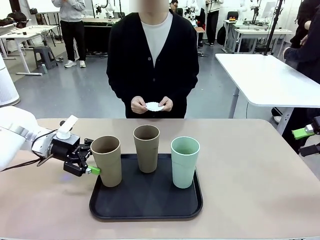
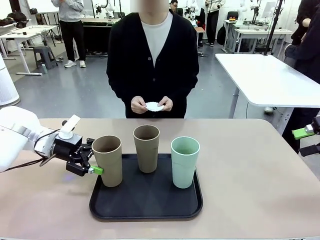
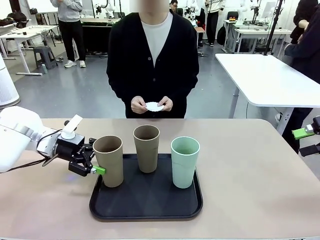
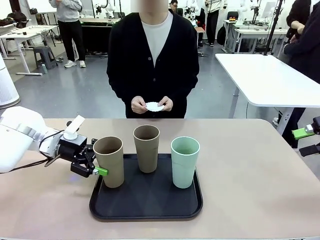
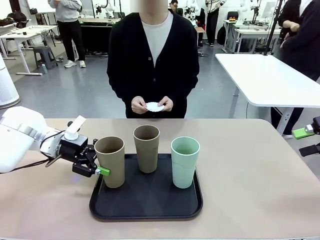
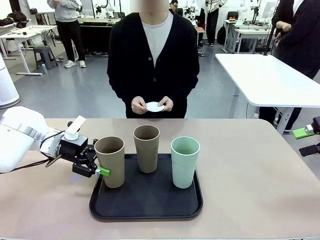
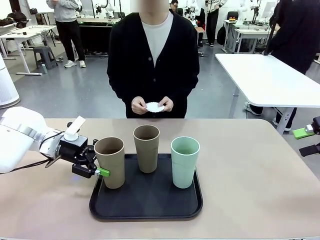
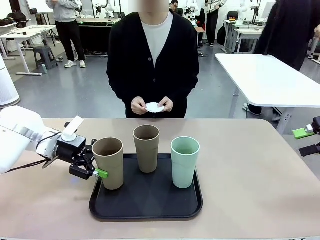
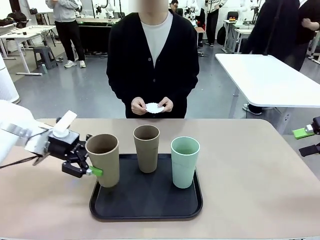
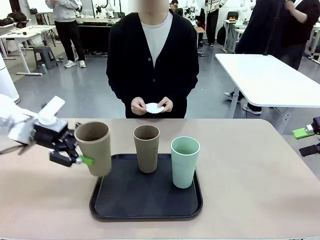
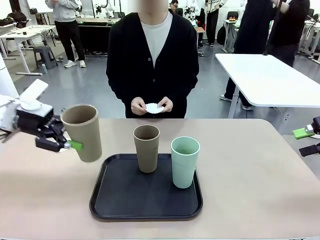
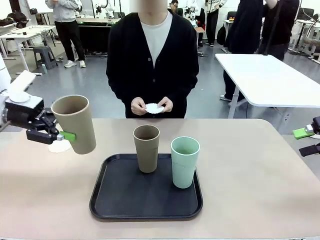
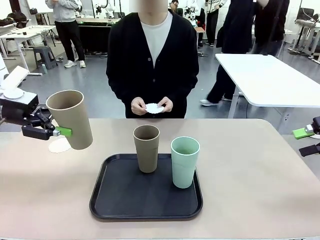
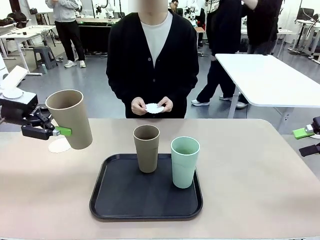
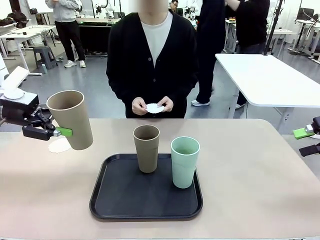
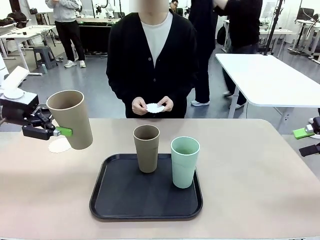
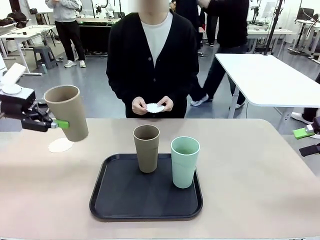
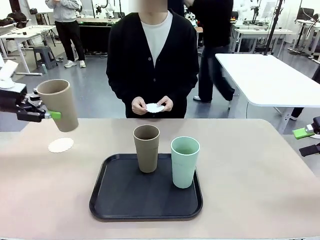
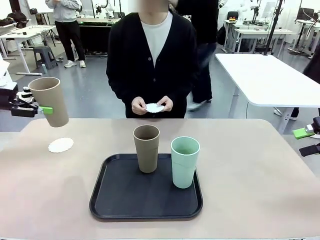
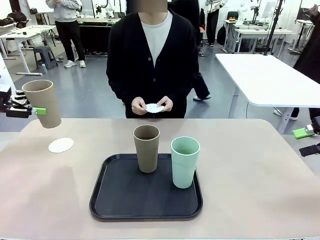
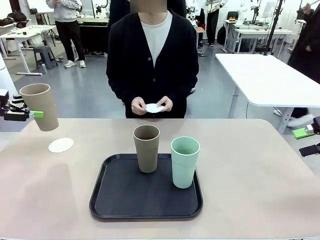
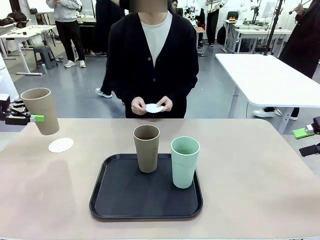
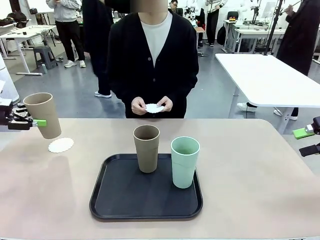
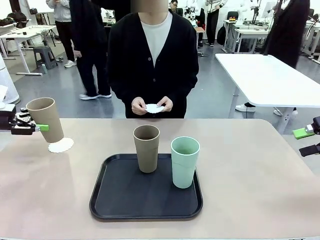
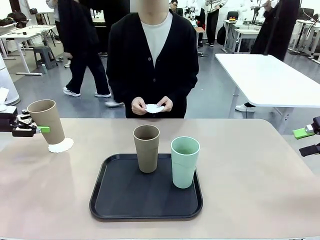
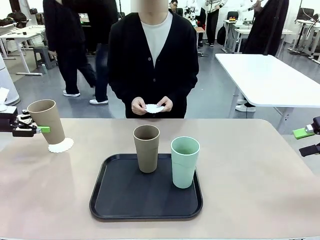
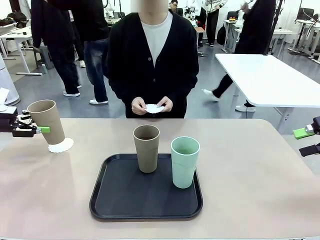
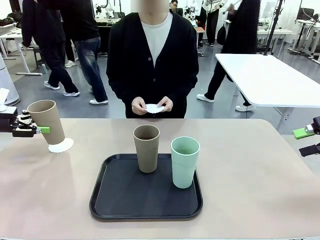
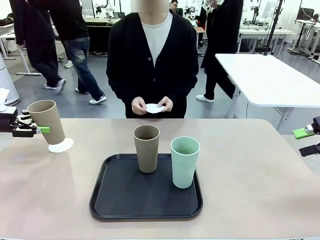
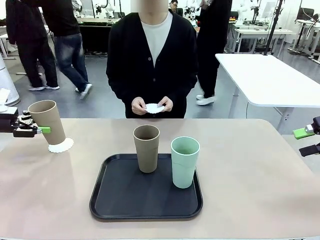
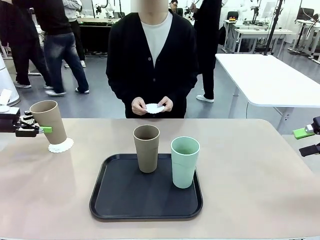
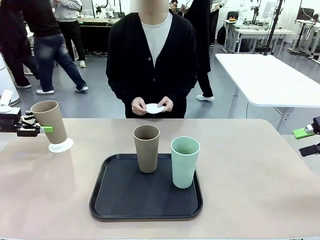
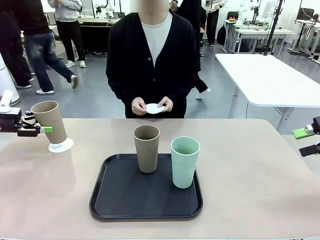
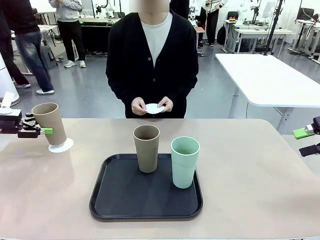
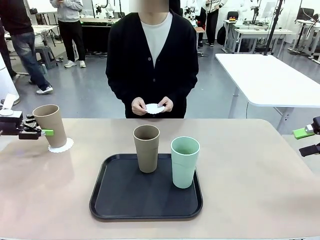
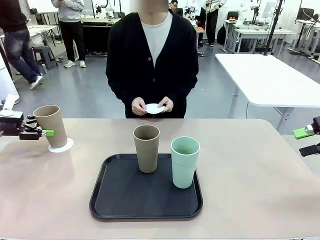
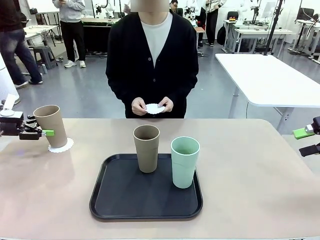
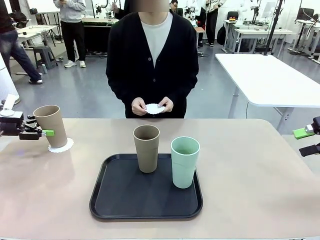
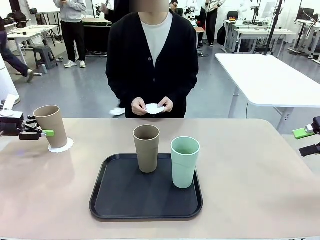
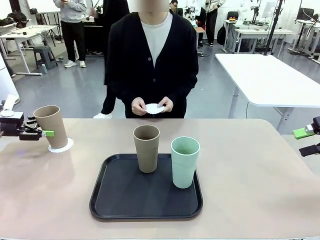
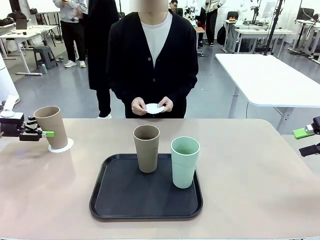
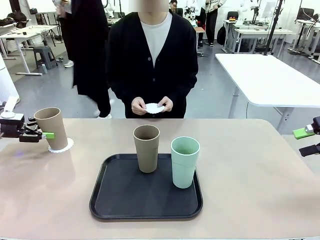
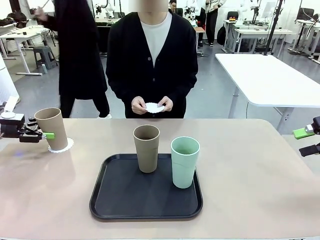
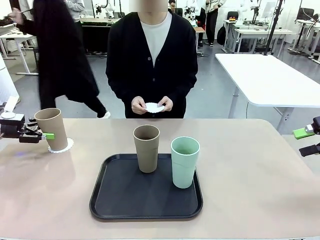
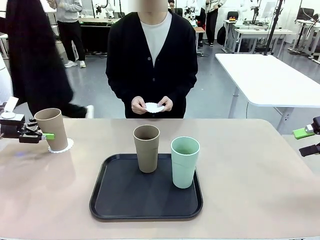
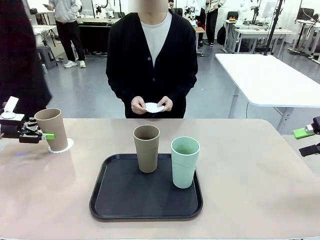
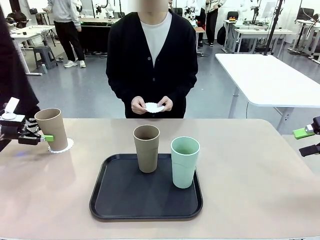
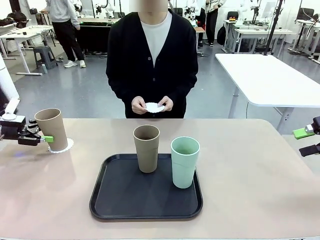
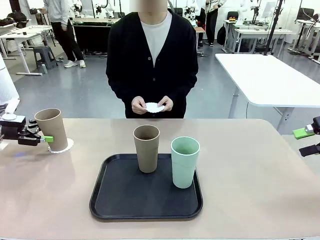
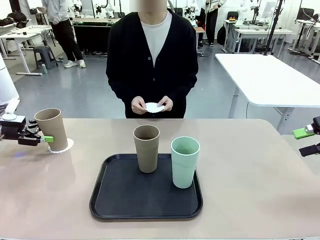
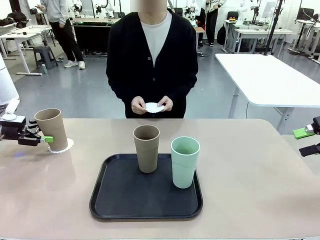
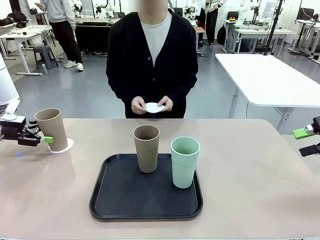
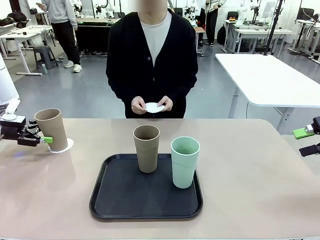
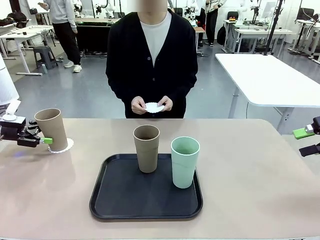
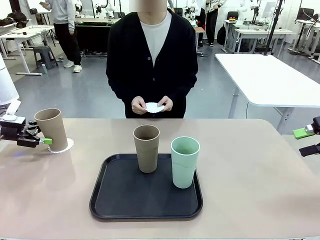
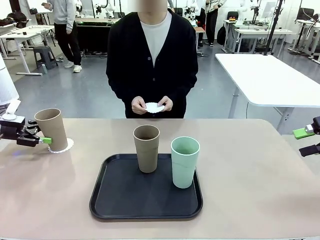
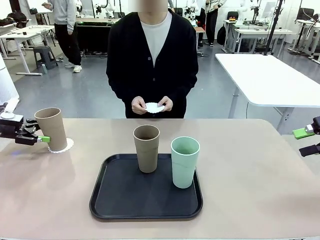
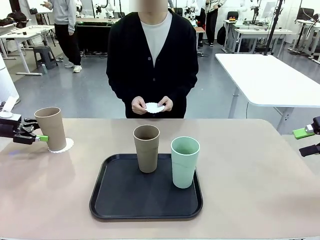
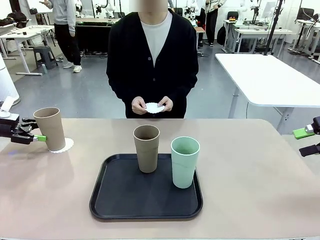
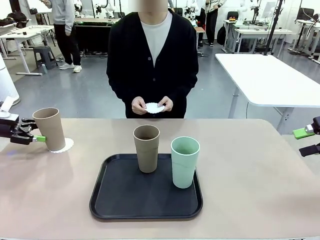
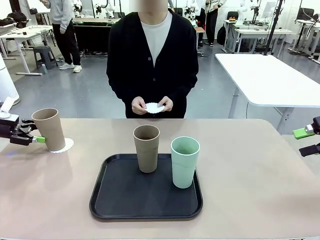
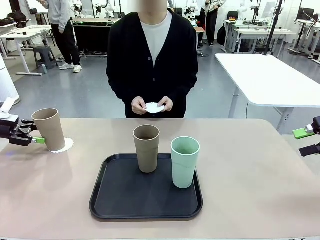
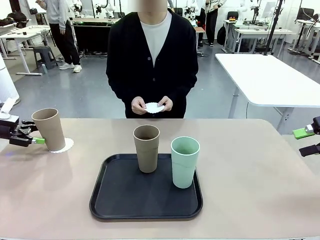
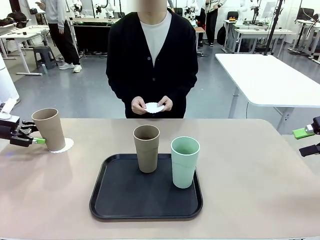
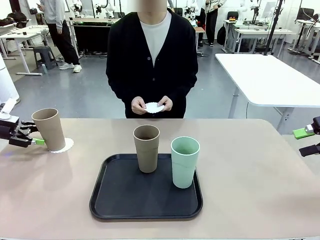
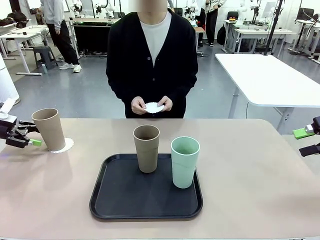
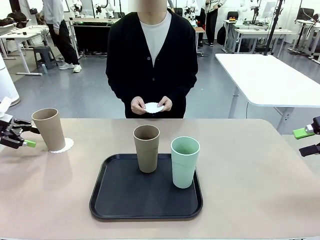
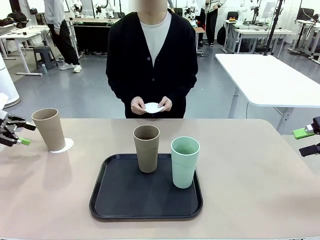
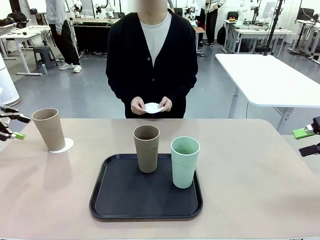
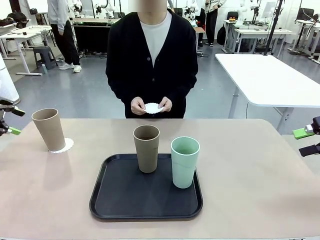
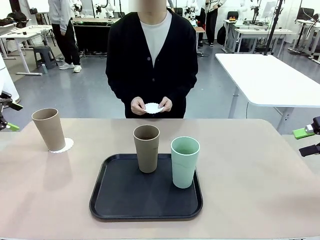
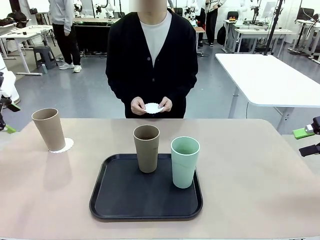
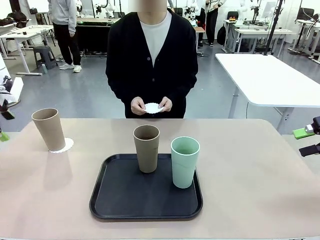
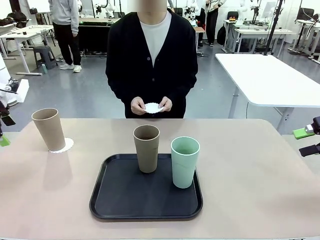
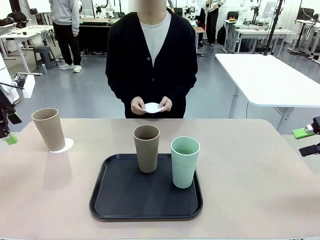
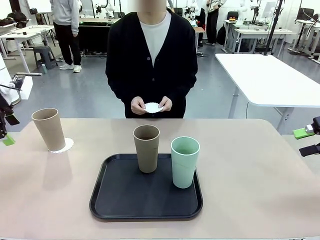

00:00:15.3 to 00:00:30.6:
Task: Place coasters on the table and set cups on them.
Robot: Pick up one Reusable plastic cup and place it on a coaster set by the human.
Person: Place one coaster in one of the two areas excluding the previously selected area.
